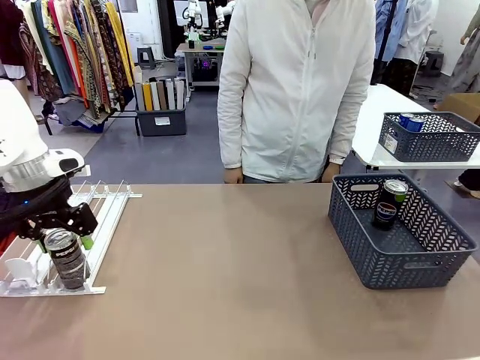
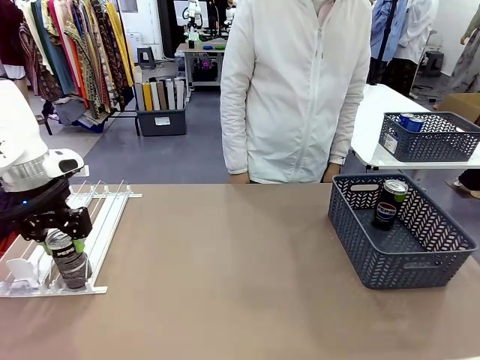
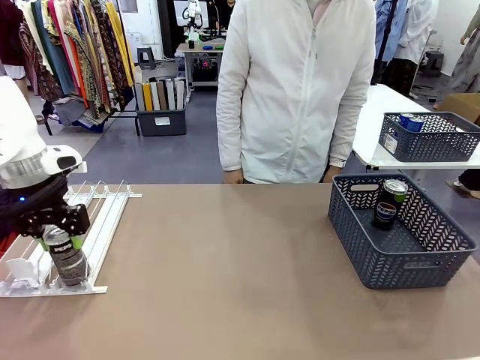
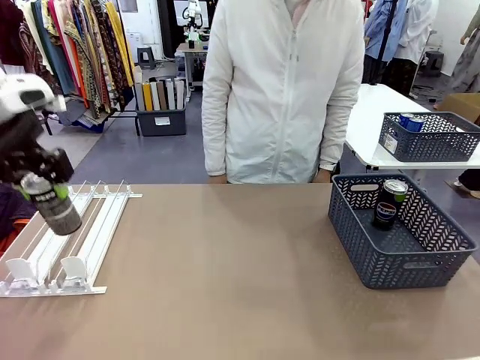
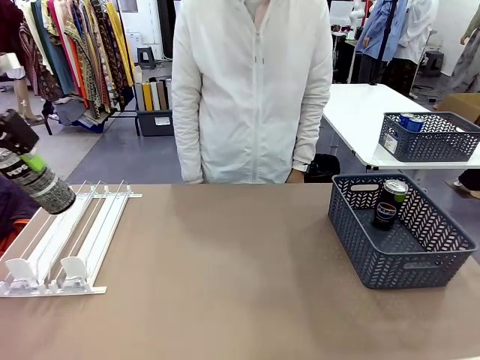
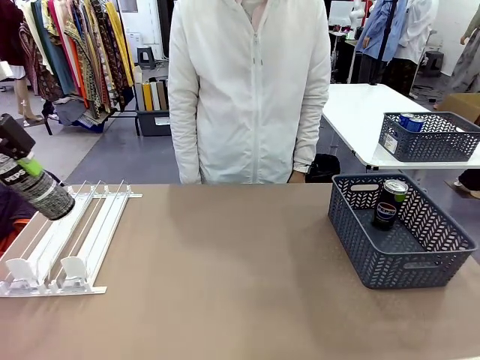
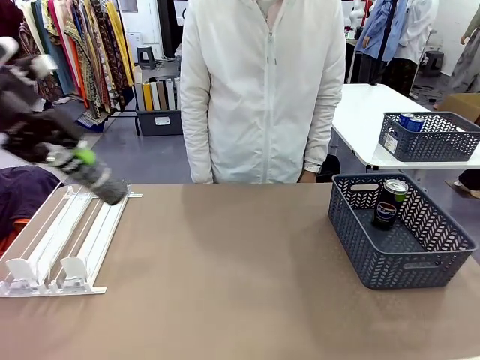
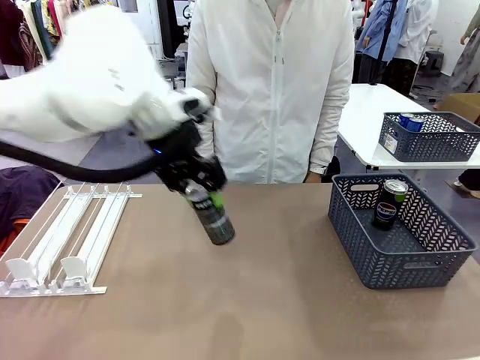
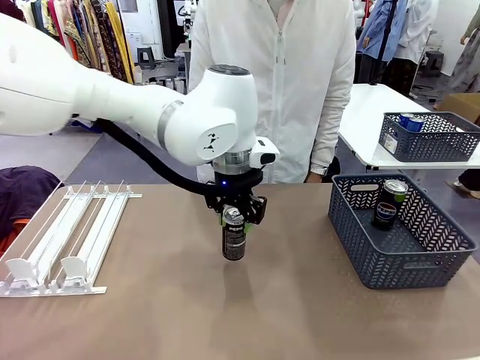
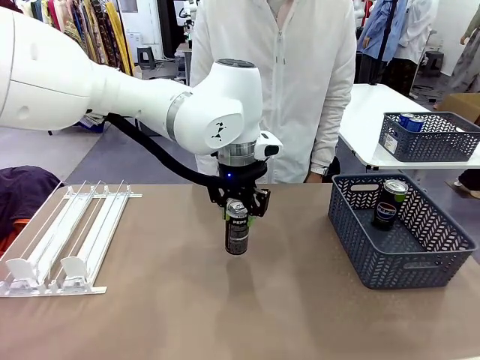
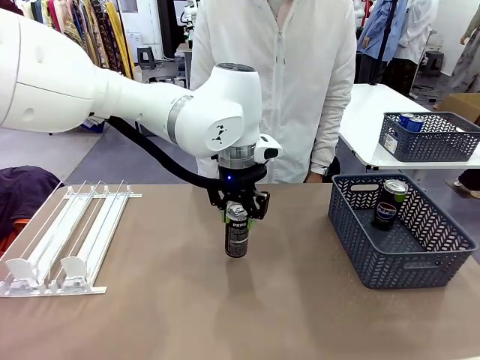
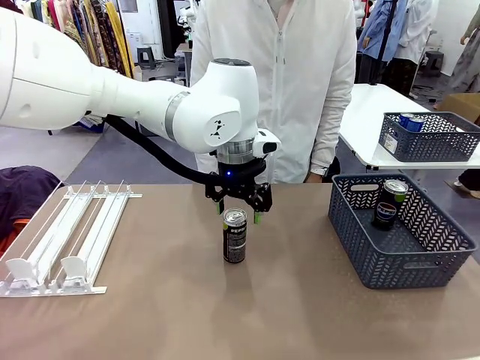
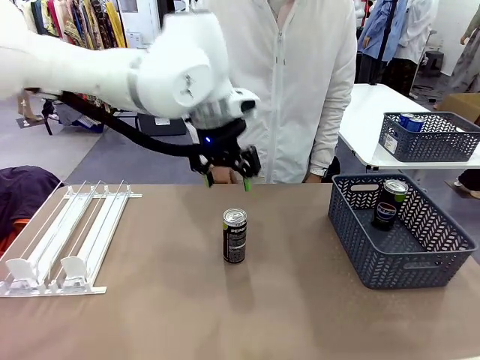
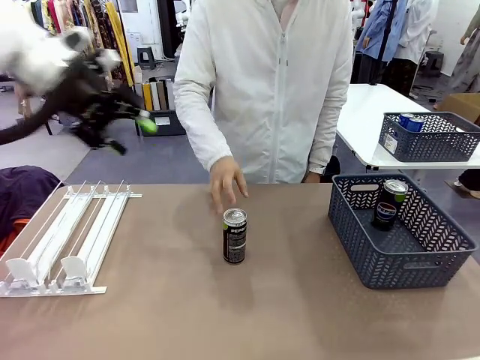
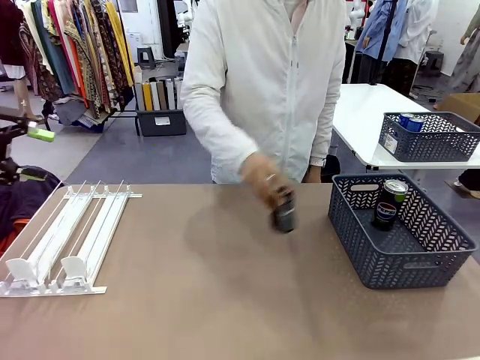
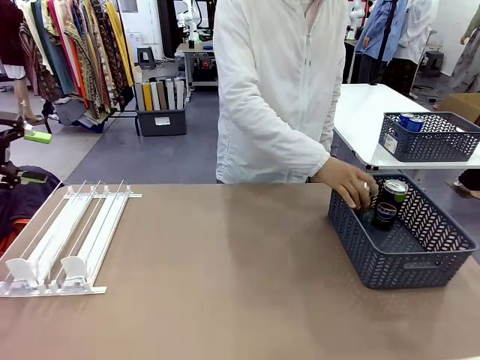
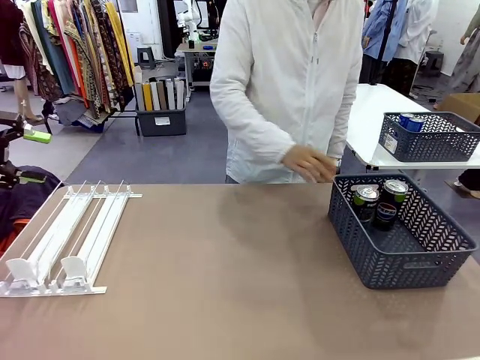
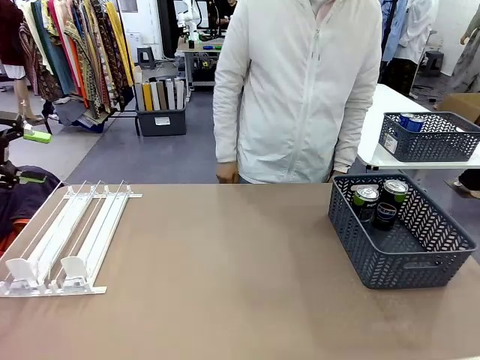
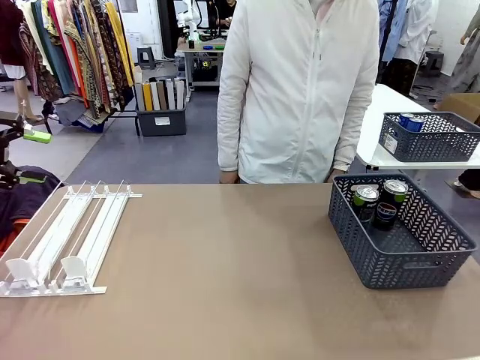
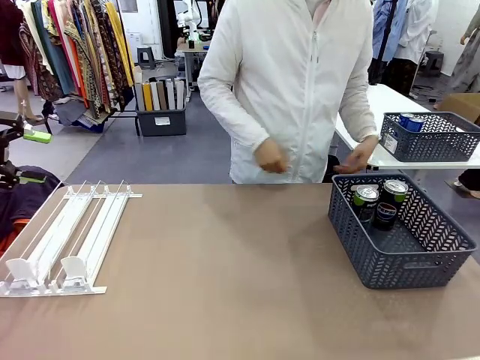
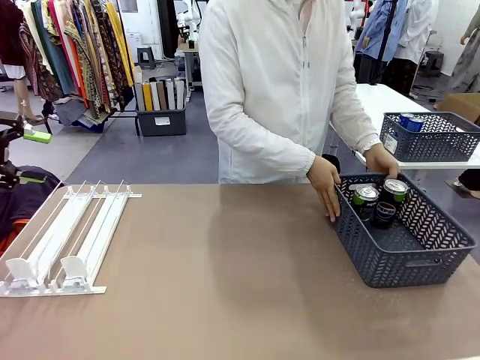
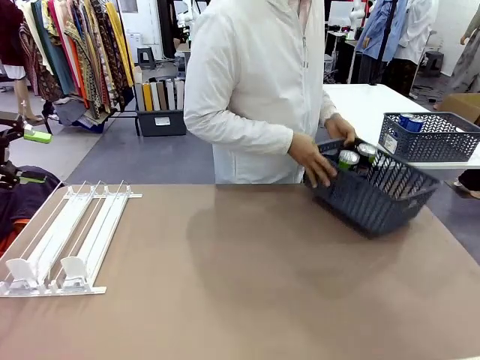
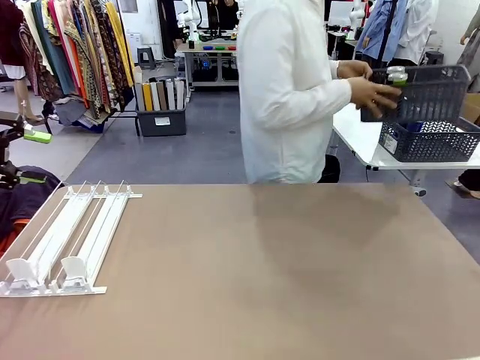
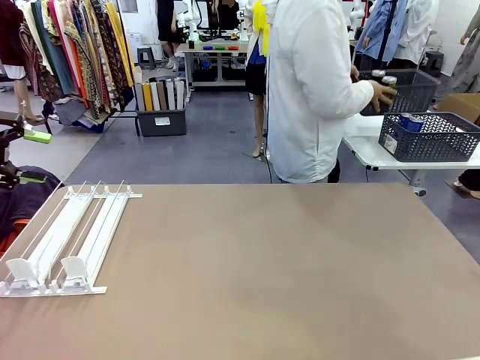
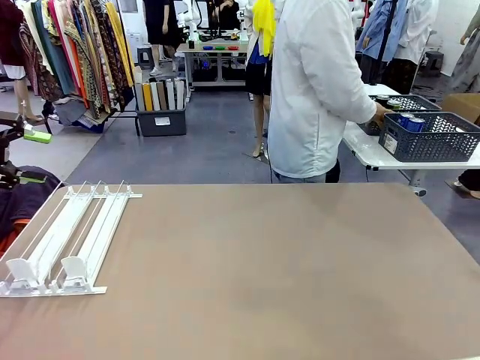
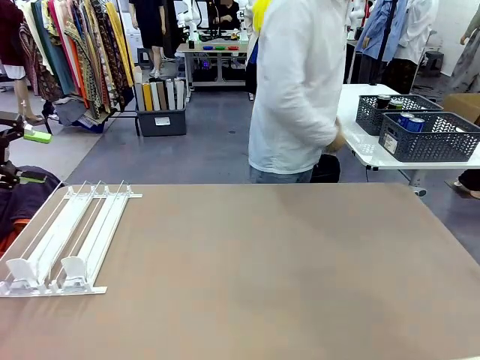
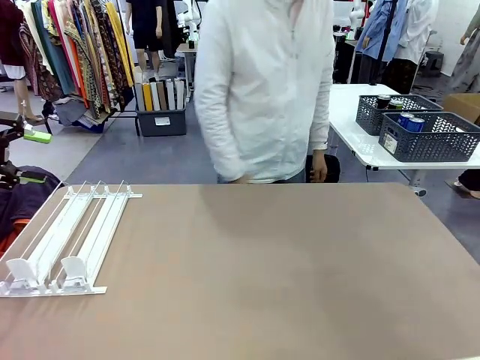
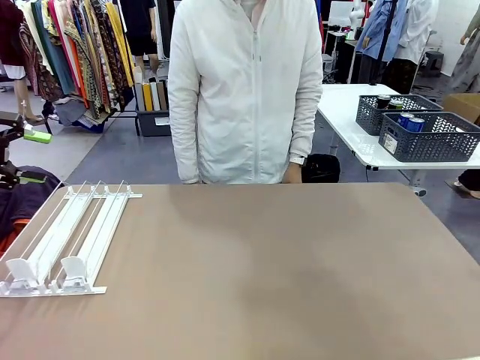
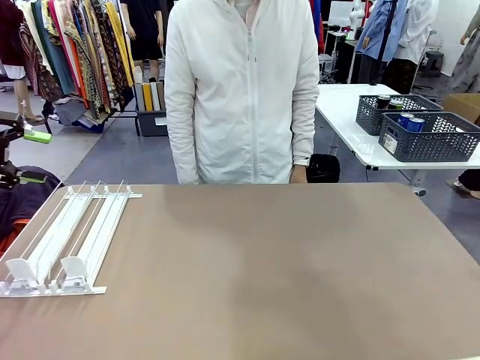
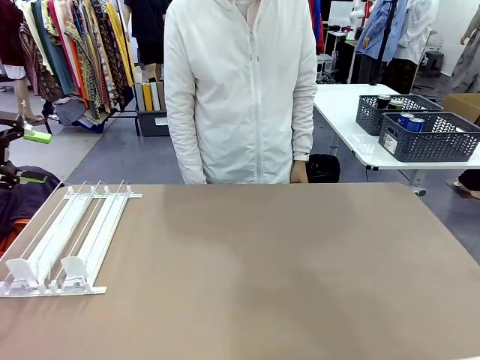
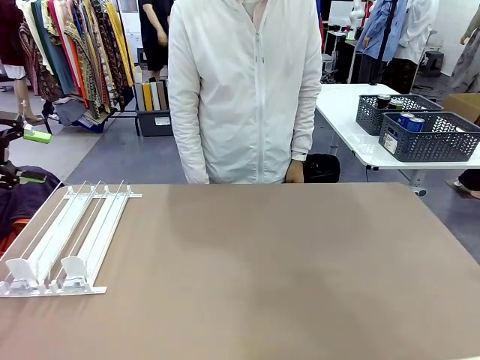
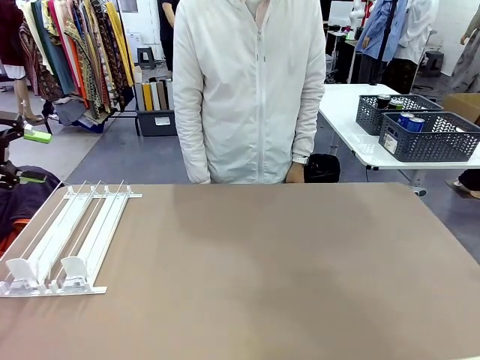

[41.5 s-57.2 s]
Task: Retrieve and store the cans from the dispenser.
Robot: Pick up one can from the Automatic Can Dispenser and place it in the middle of the table.
Person: Pick up one sports drink can from the middle of the robot table and place it in the basket. Pick up the basket and place it in the middle of the human table.
